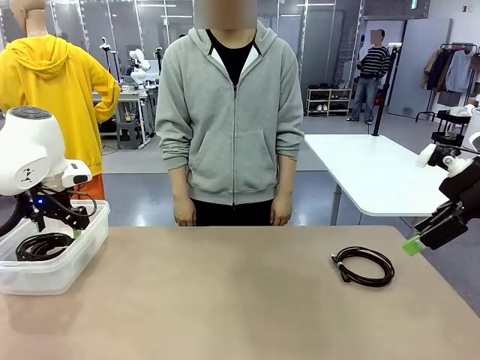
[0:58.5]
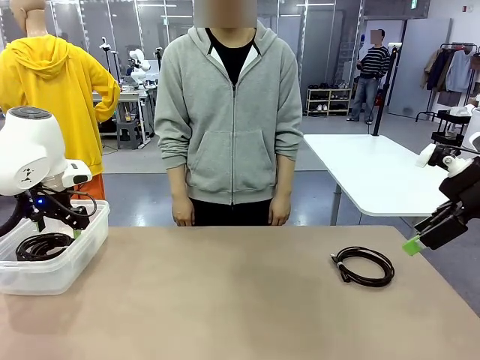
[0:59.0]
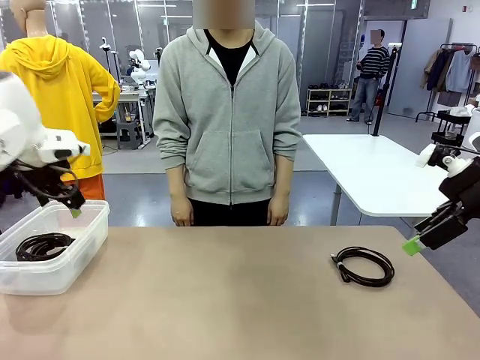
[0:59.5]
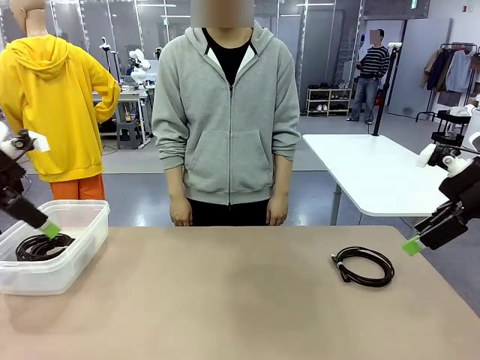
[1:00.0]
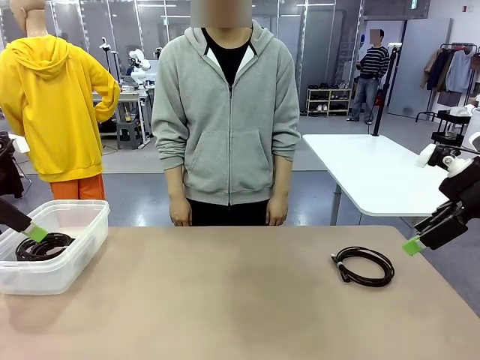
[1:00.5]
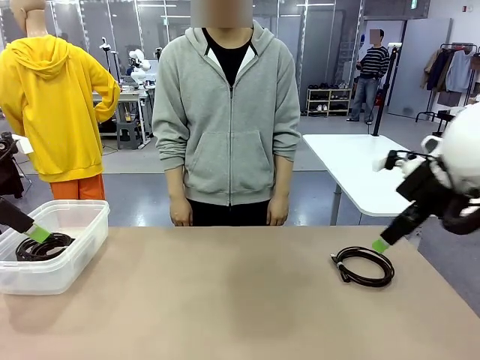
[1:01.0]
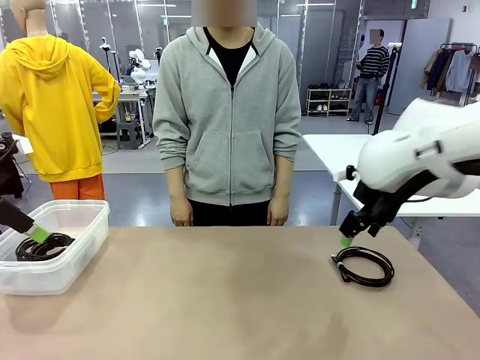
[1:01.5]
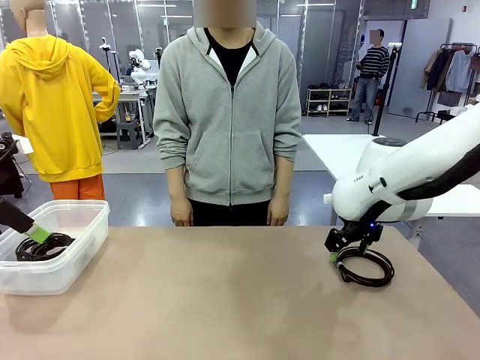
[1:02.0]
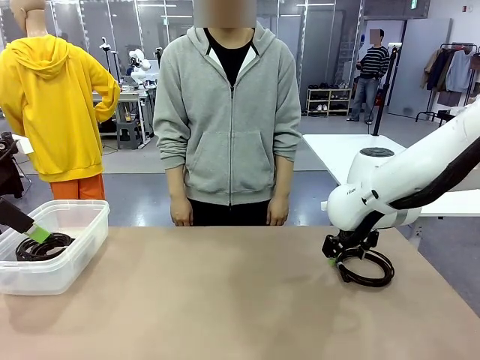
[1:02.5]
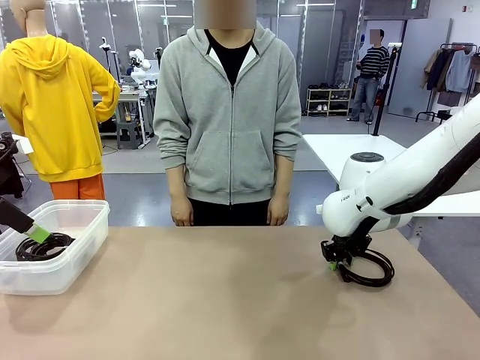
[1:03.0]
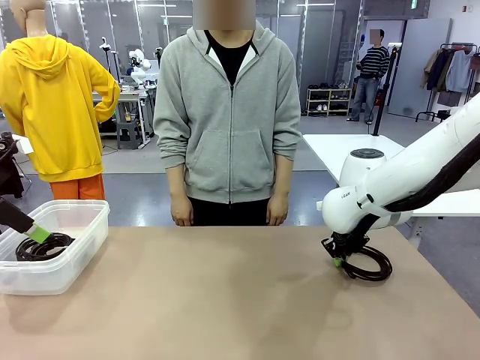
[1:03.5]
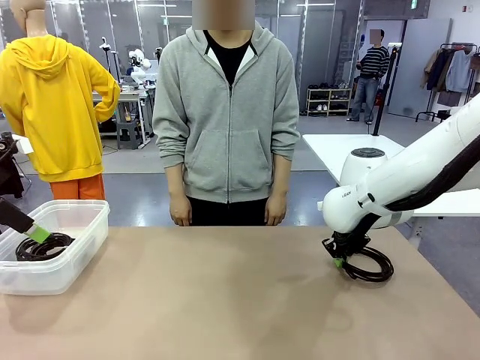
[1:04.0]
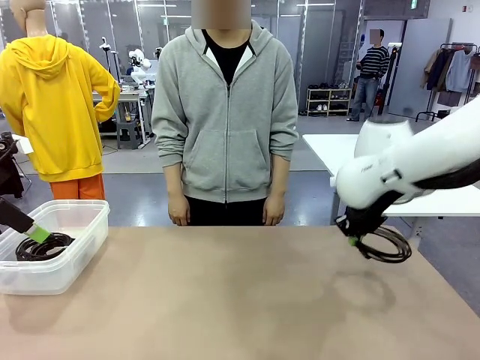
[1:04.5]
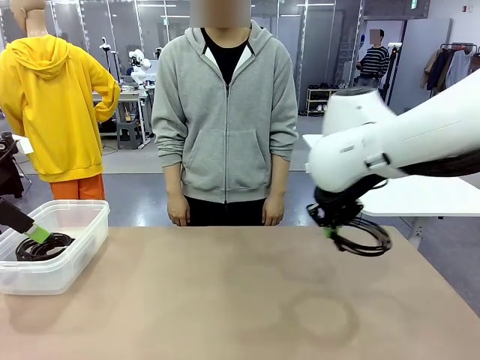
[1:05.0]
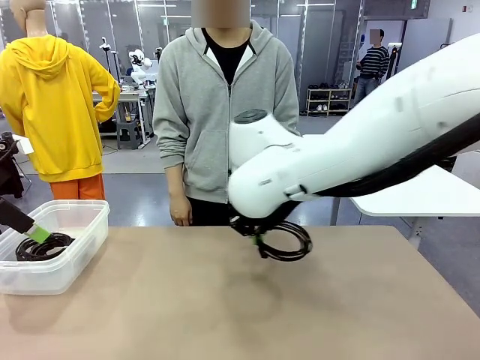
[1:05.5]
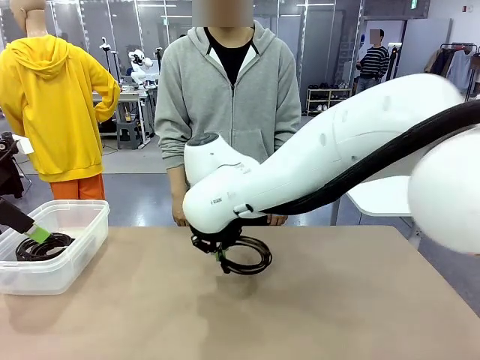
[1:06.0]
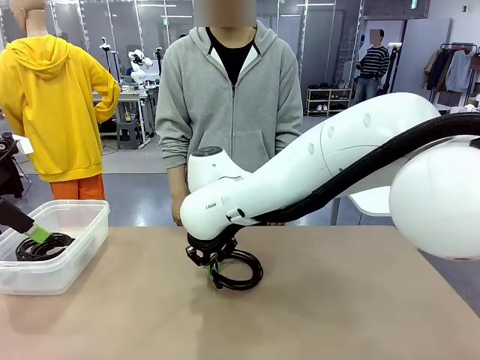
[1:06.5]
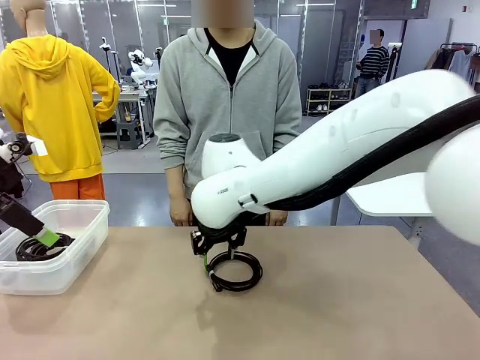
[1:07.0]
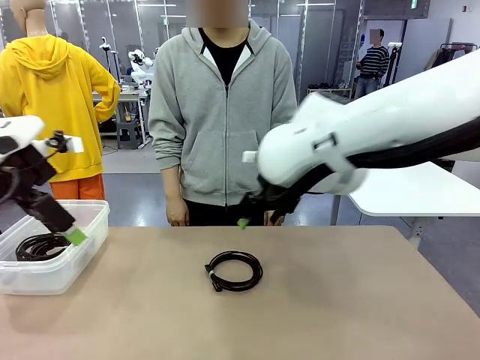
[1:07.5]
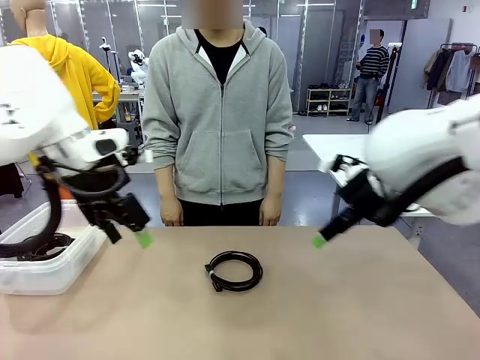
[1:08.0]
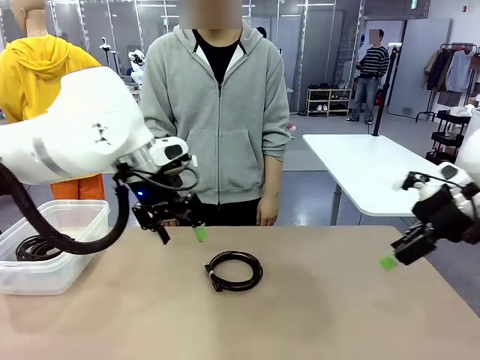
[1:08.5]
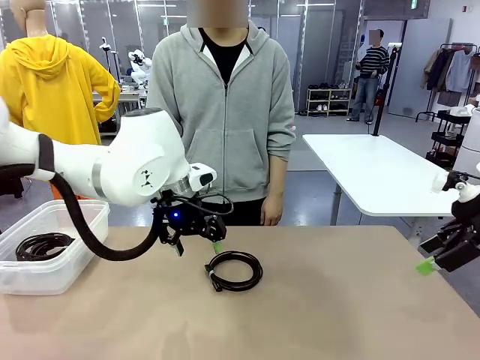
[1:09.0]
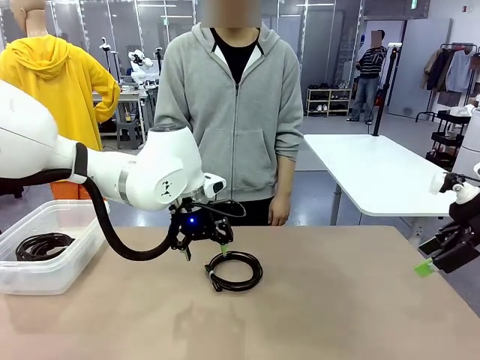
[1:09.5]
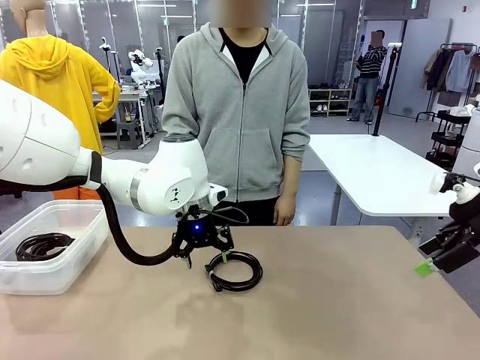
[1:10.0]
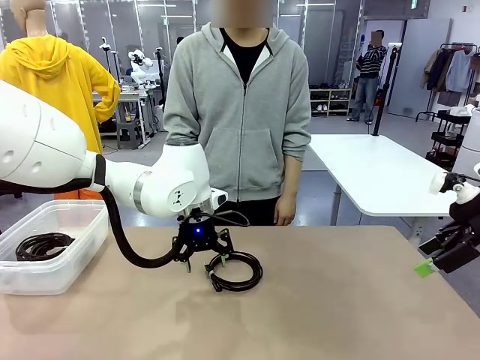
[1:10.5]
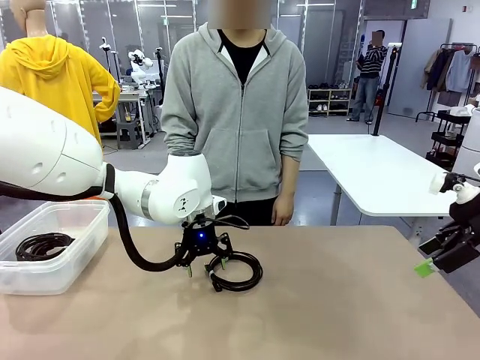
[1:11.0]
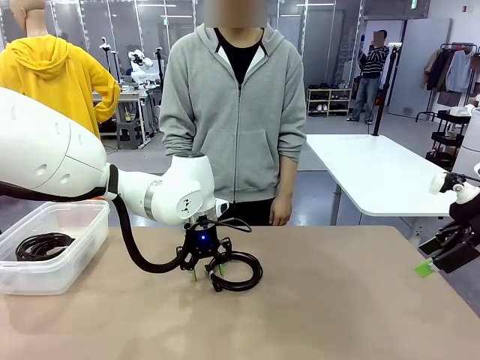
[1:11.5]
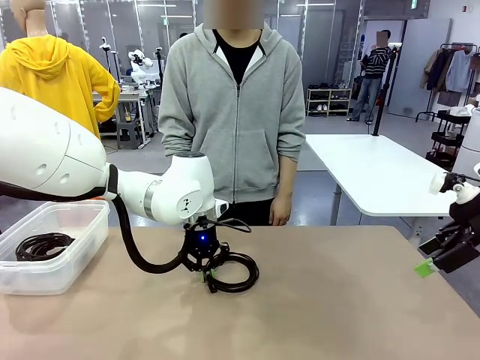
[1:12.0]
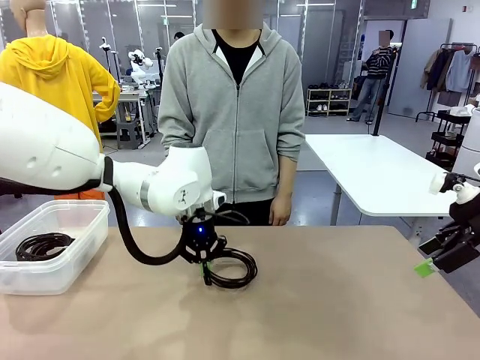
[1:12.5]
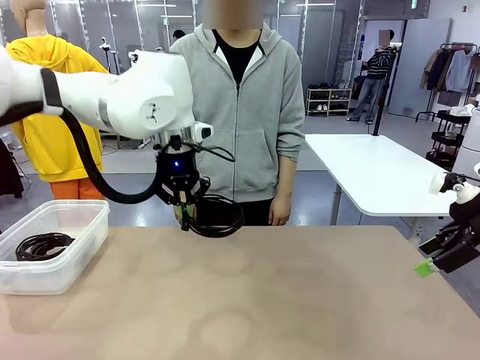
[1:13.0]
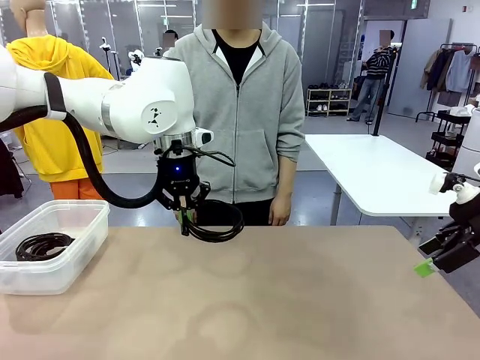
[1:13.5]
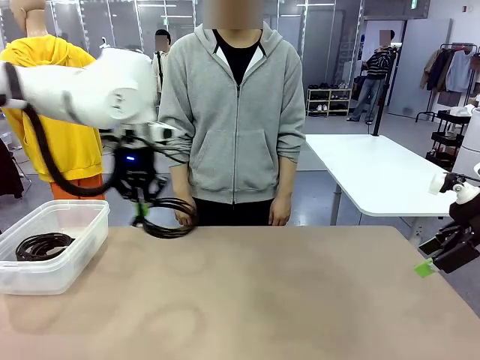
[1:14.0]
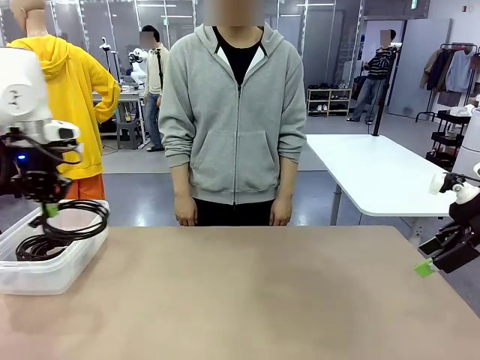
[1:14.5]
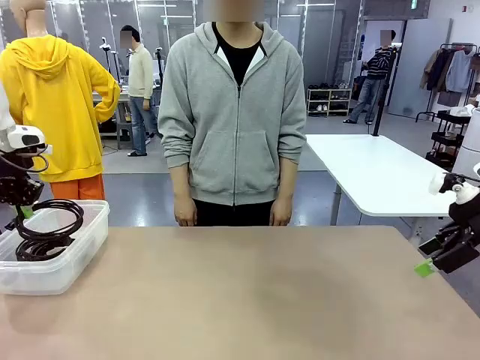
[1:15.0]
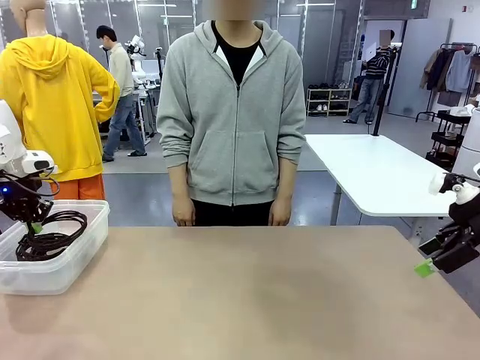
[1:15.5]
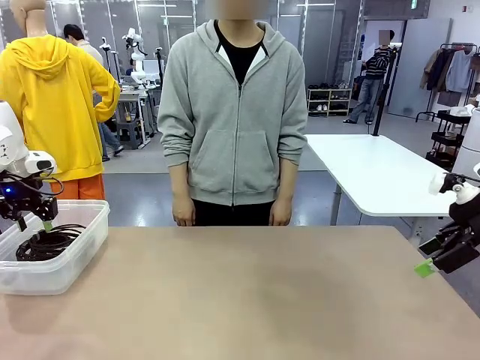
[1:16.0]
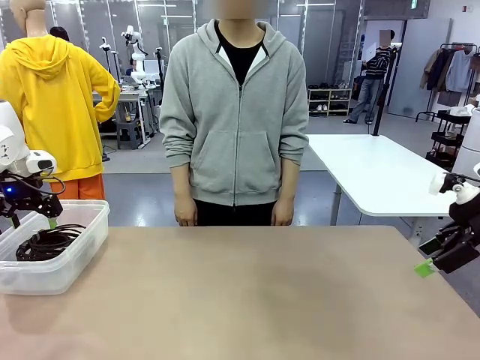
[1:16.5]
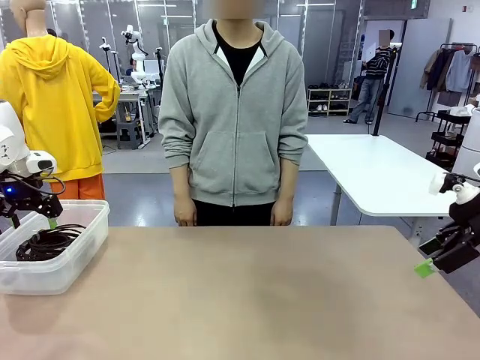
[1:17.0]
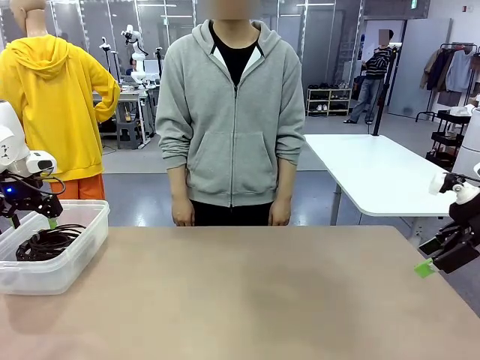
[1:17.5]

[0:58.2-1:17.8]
Task: Organize and store the cables.
Robot: Place the USB Extension Cable into the Organizing box.
